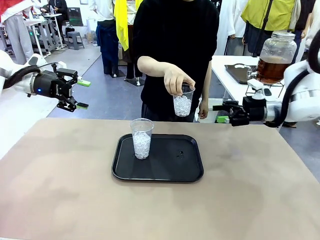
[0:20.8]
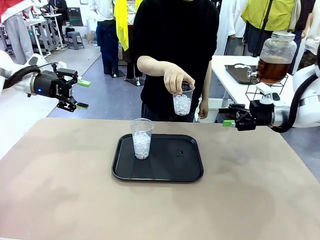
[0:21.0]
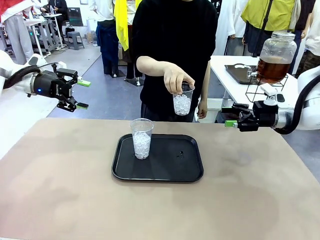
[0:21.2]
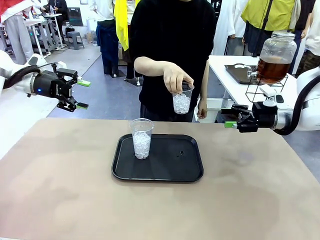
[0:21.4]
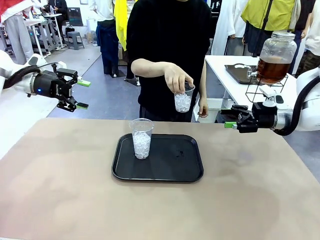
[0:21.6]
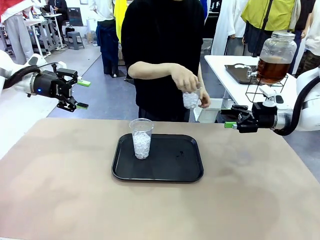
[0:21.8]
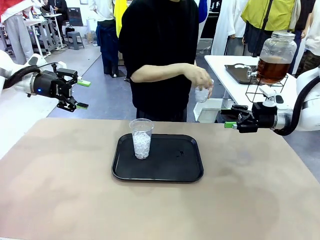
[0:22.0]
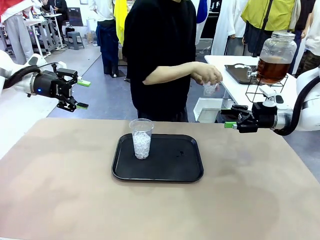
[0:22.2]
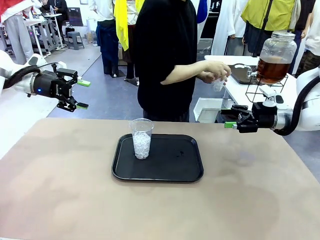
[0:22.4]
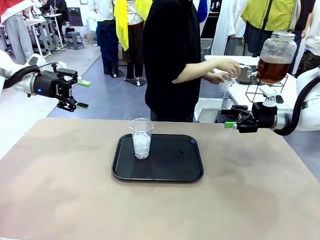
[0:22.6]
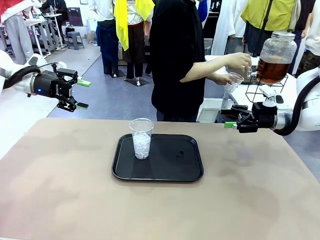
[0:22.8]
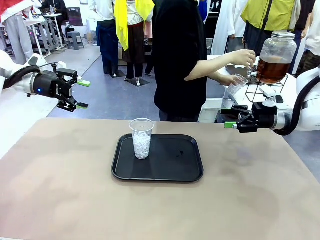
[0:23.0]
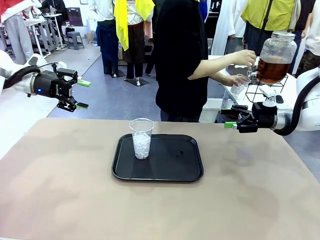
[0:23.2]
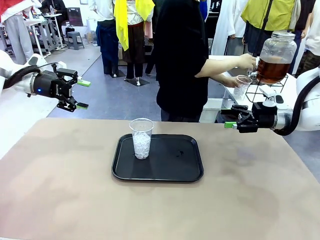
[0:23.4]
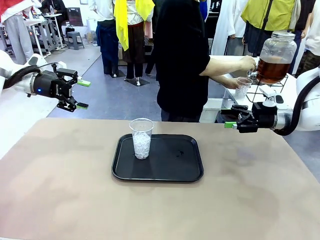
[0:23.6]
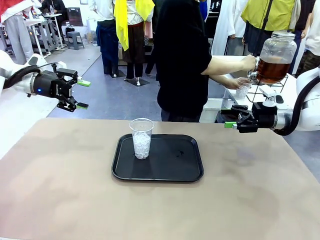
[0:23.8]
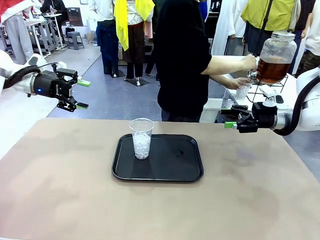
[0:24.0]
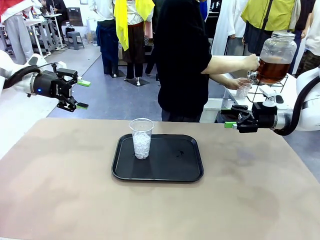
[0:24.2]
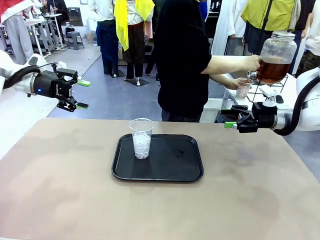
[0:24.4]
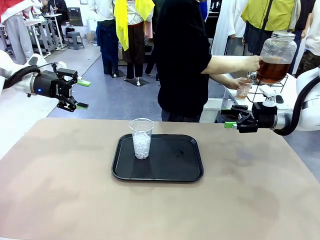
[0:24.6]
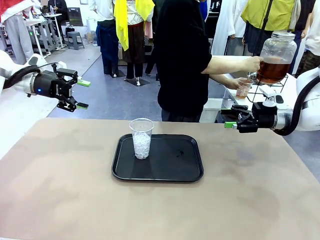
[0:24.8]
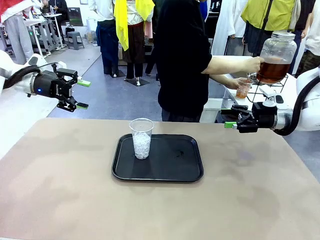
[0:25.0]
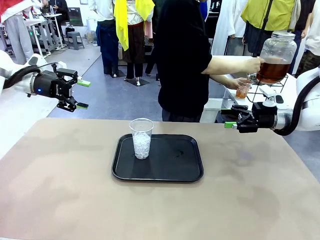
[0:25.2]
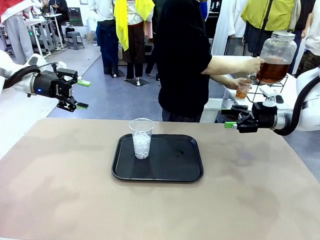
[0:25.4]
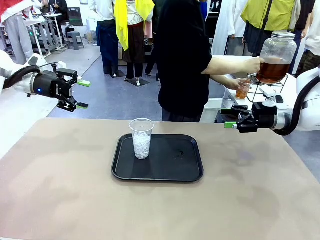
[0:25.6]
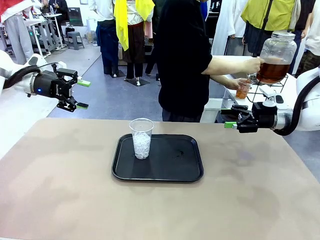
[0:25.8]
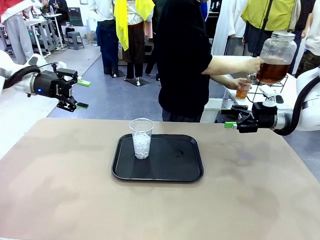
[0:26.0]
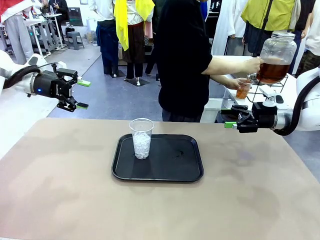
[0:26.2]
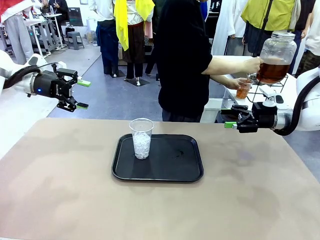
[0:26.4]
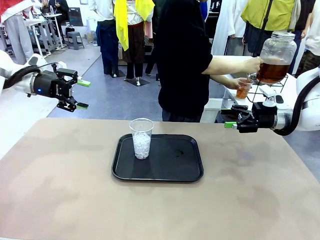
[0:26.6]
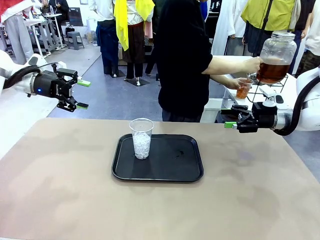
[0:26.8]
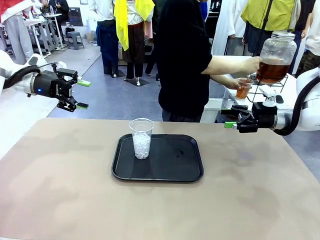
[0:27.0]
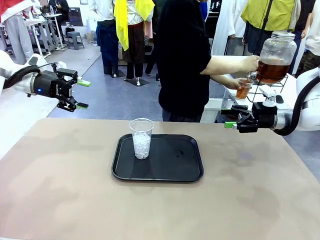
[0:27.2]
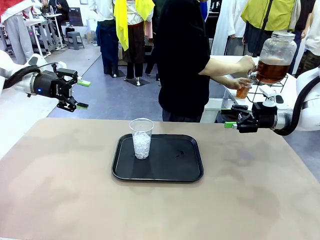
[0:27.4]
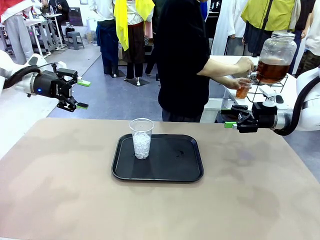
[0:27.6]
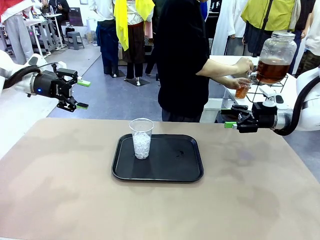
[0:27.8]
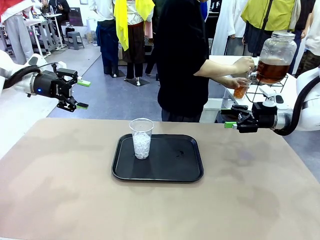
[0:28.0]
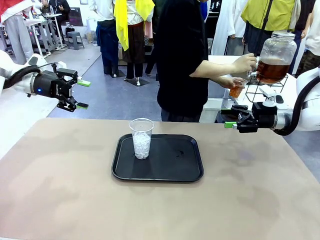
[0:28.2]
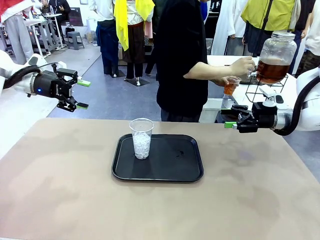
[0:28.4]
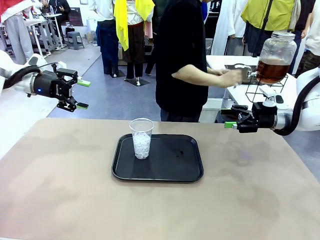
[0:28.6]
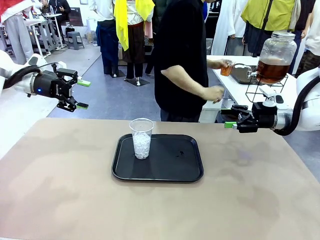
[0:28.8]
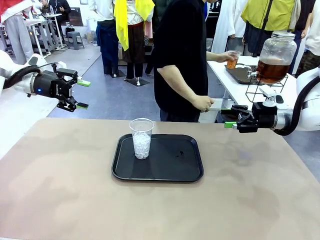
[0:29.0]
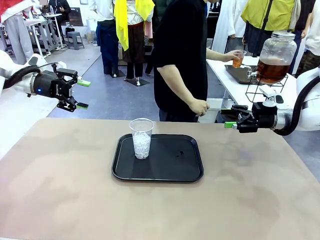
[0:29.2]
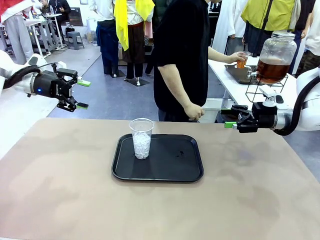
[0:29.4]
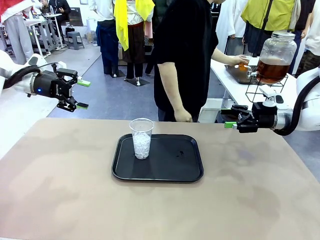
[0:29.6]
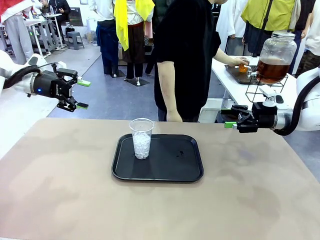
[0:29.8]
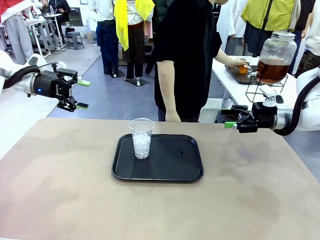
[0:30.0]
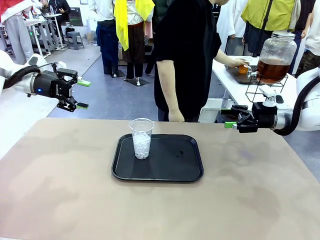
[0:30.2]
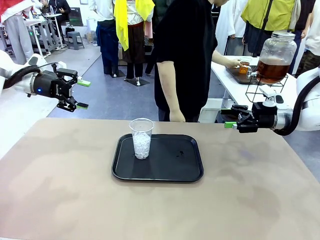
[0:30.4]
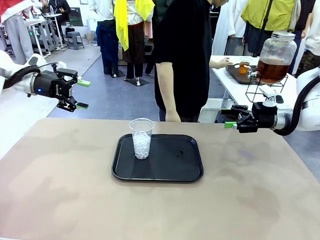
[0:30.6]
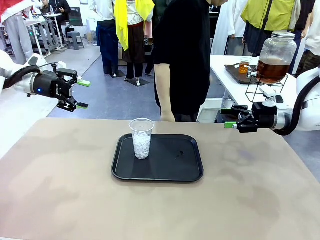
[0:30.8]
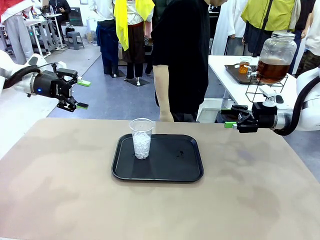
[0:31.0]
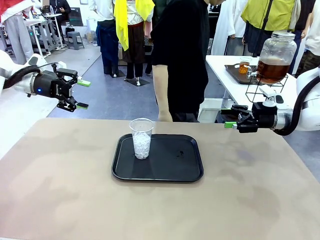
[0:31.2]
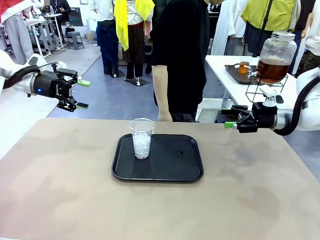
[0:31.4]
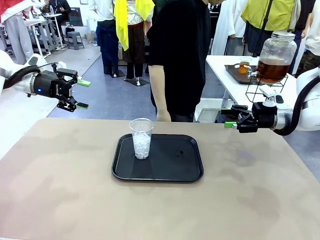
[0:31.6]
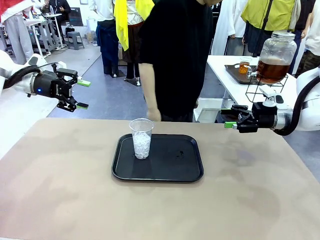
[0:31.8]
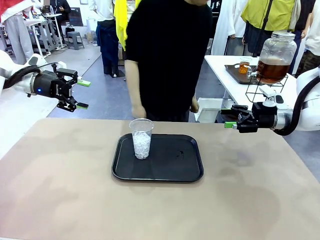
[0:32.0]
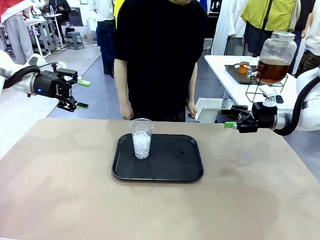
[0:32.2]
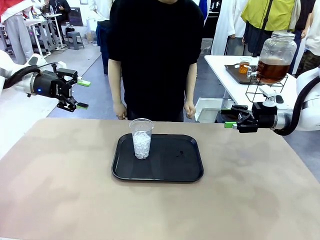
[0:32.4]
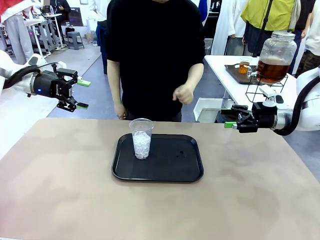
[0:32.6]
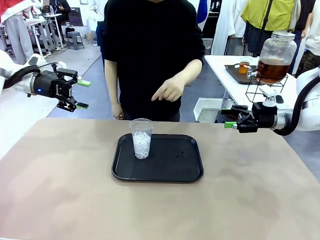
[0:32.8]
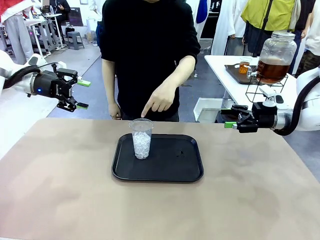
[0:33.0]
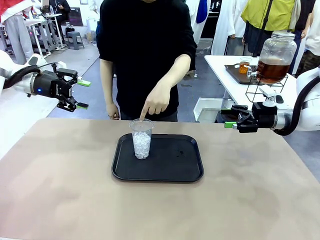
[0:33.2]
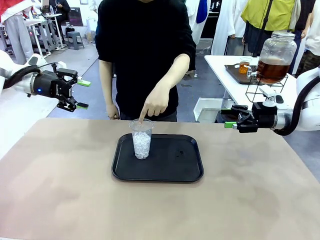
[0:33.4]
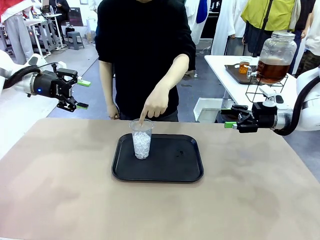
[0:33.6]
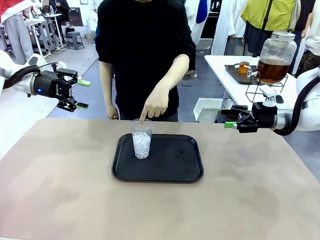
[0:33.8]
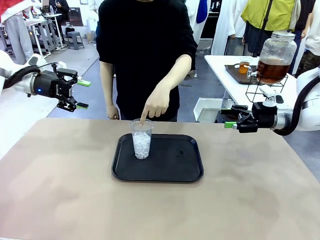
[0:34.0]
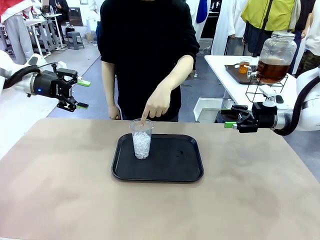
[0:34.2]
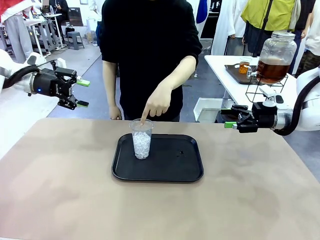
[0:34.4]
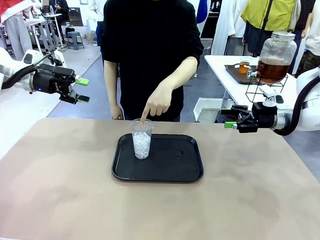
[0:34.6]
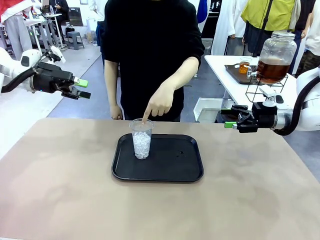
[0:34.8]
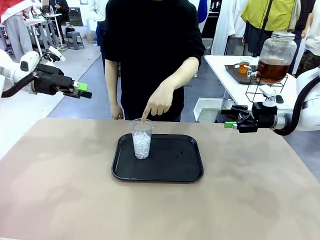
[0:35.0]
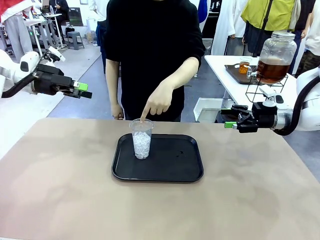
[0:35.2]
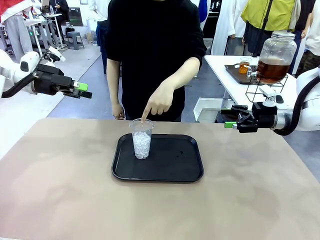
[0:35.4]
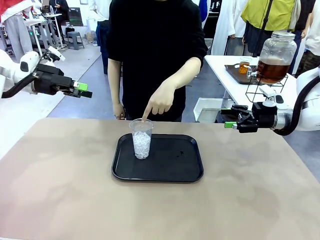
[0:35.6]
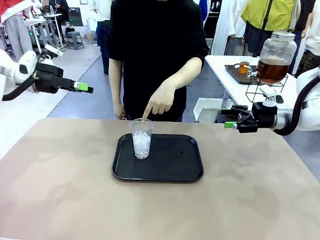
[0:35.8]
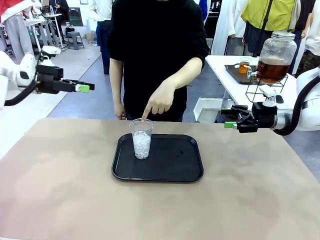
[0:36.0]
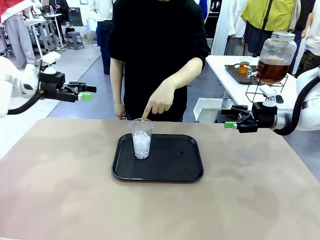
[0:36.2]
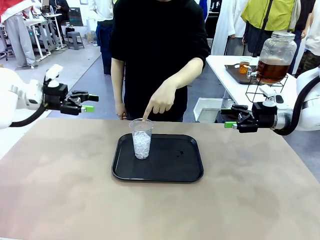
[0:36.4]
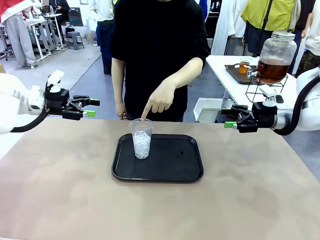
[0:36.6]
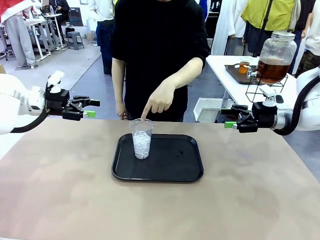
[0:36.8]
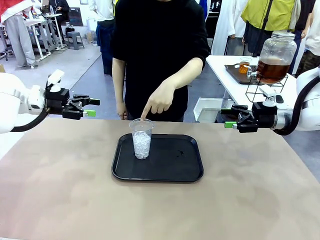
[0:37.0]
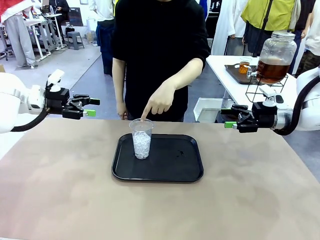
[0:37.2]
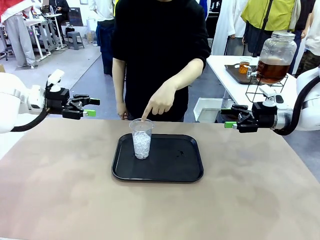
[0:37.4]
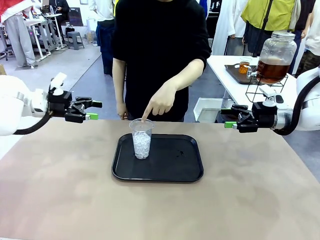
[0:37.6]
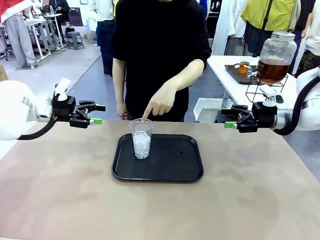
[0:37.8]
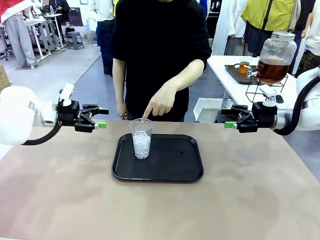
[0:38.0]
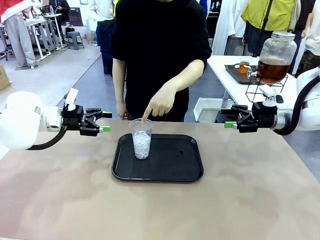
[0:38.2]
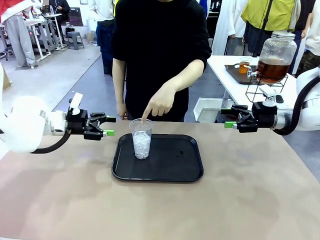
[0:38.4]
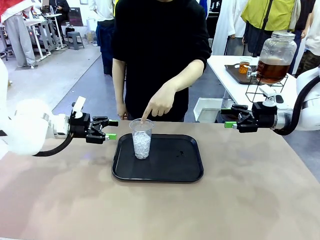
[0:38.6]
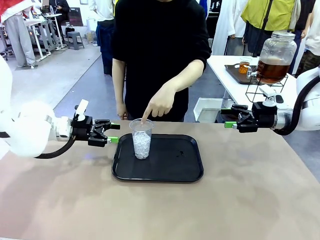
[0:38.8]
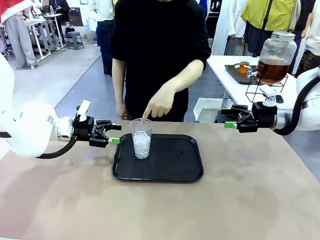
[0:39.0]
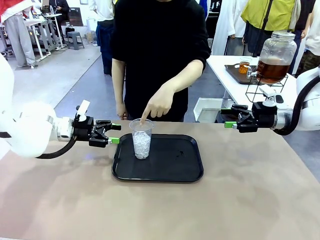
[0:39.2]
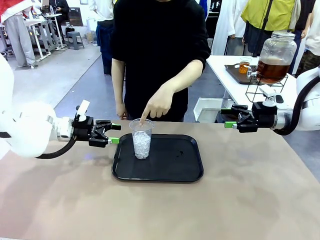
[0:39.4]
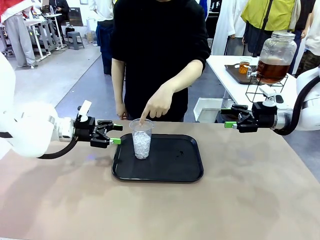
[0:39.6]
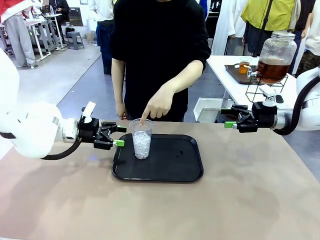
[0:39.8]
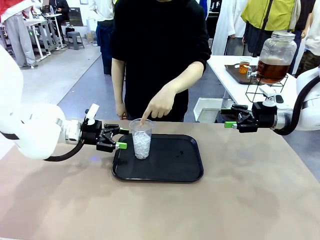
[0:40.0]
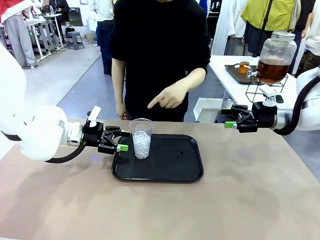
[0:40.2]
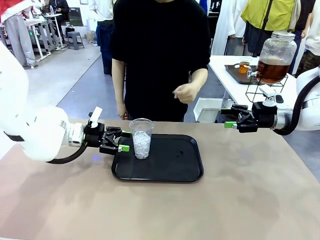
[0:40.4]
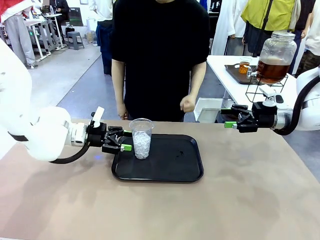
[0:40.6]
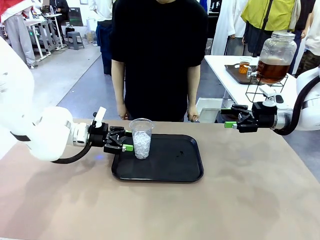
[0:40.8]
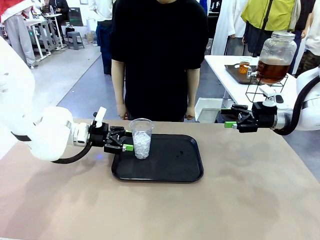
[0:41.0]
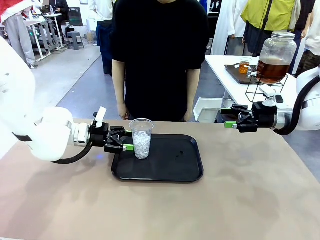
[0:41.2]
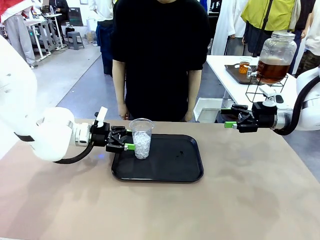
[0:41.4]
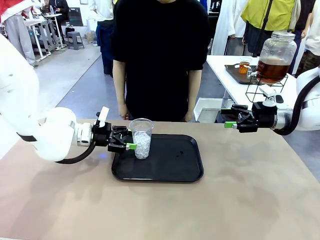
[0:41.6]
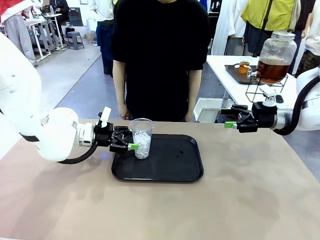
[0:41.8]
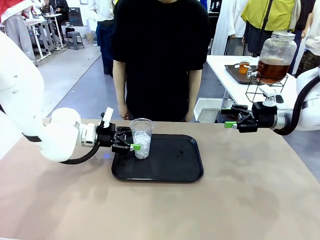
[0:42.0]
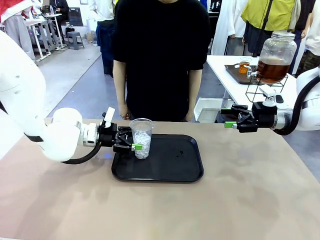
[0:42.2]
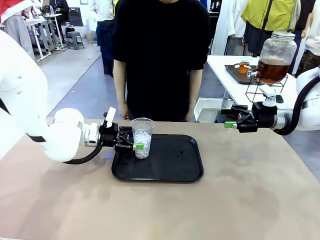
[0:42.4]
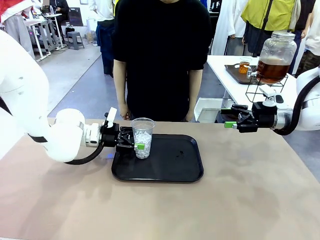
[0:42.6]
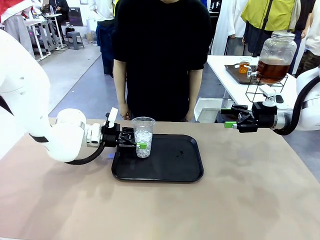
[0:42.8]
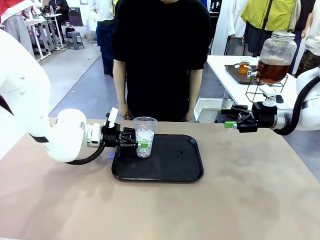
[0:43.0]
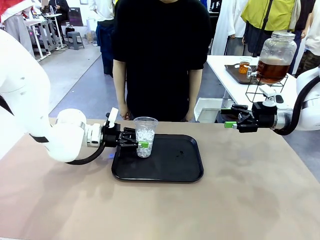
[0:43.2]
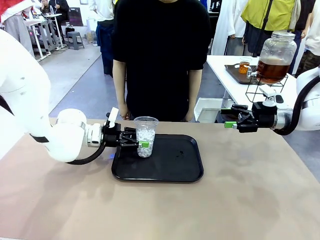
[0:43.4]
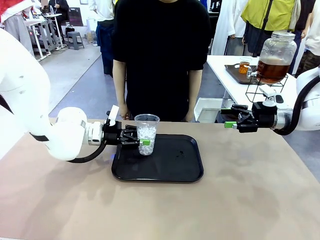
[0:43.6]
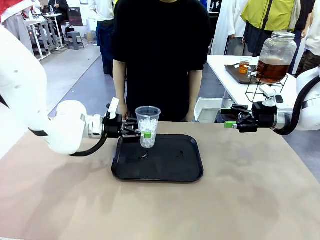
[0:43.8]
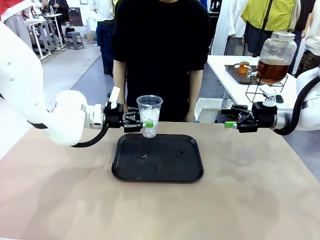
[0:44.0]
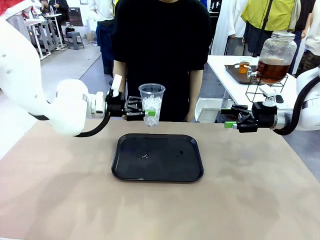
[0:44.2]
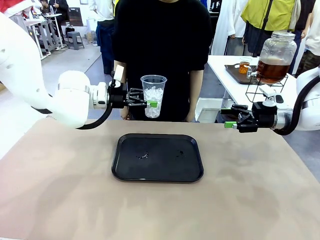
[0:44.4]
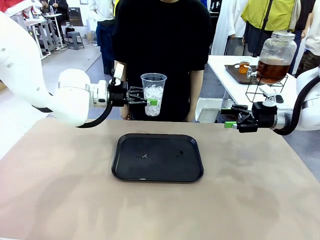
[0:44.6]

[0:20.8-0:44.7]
Task: Pour the drink into the iced cup.
Robot: Pick up the iced cup indicated by the human and present it to them.
Person: Move the picked-up cup under the dispenser faucet, pour the drink, and place it on the tray on the human table. Point to the remaining ice cup on the robot table. Pick up the cup offered by the robot.
